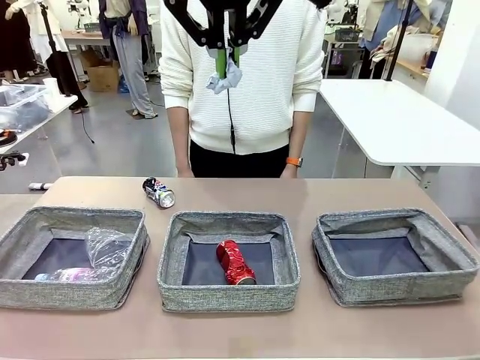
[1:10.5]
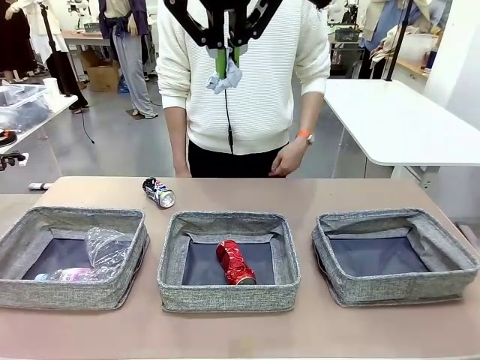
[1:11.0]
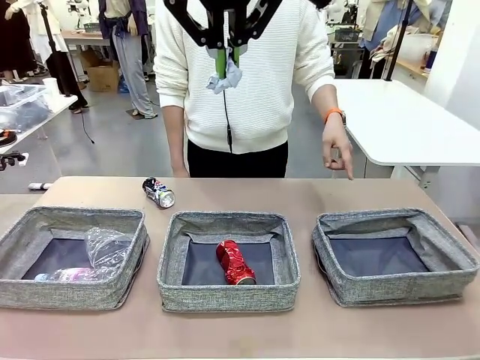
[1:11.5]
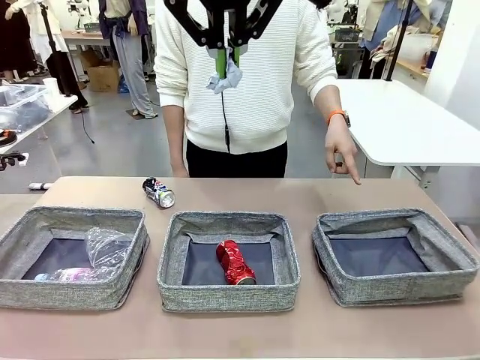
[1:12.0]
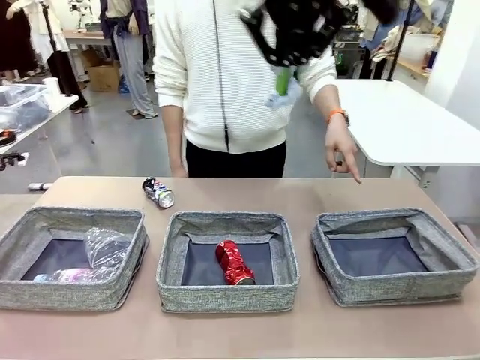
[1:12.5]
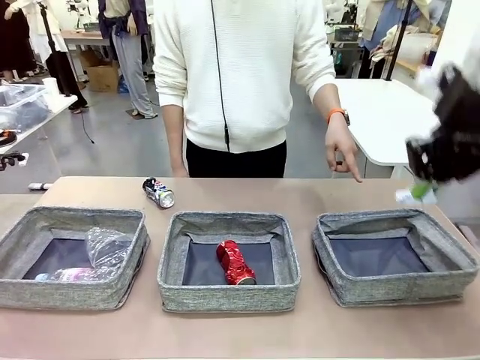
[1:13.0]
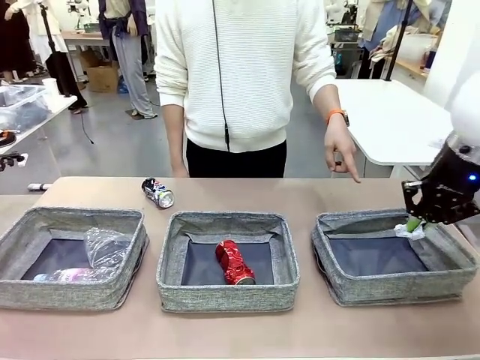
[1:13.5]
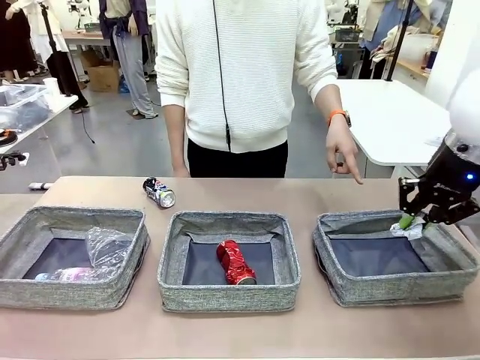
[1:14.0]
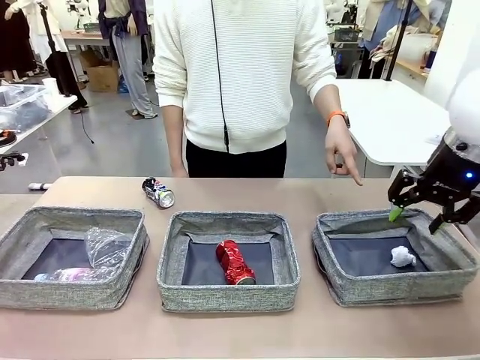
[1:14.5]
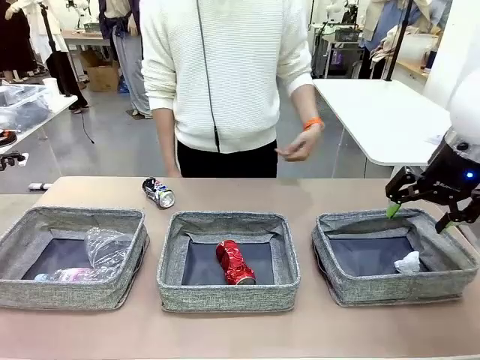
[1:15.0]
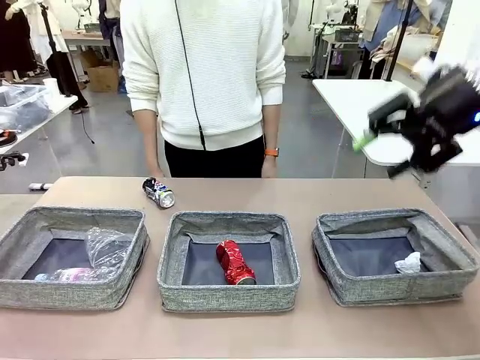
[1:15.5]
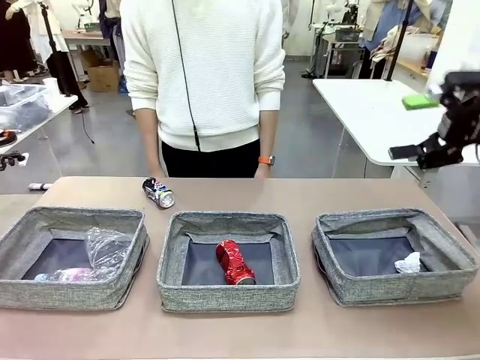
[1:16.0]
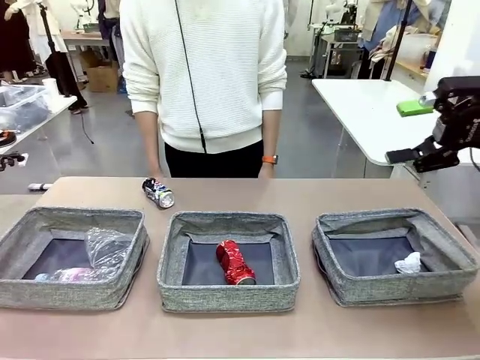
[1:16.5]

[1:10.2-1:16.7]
Task: Sort the waste into the appropriate baskets.
Robot: Place the picked waste into the Fabric basket indicated by the person.
Person: Instructs the robot to place the picked-up trash into the appropriate organizing basket.

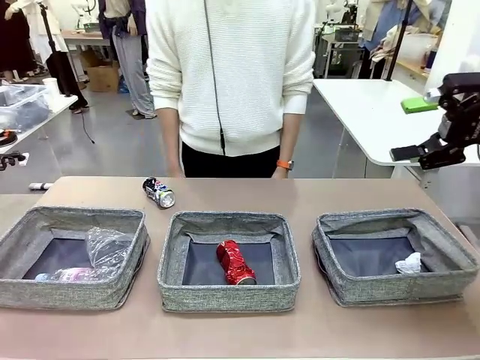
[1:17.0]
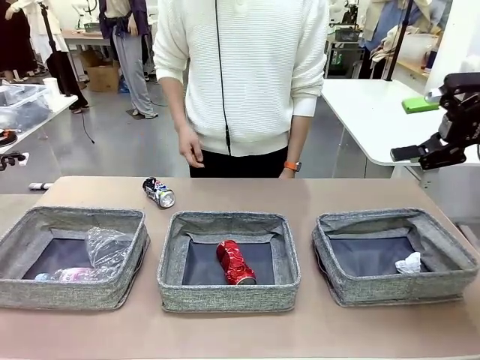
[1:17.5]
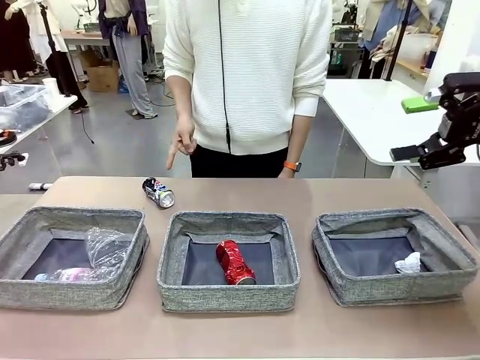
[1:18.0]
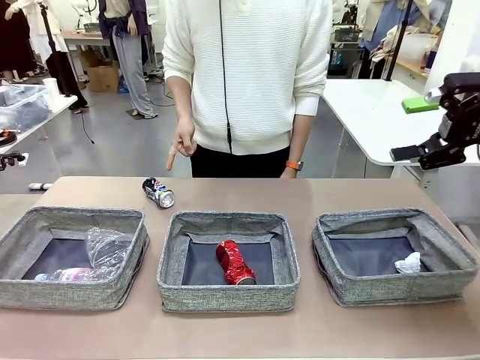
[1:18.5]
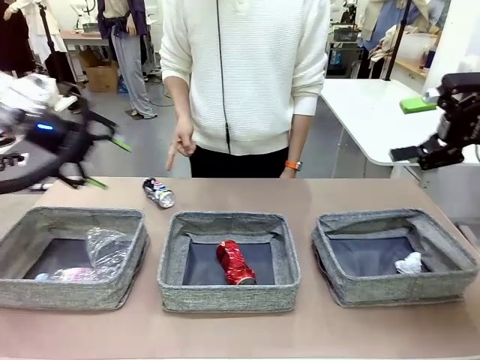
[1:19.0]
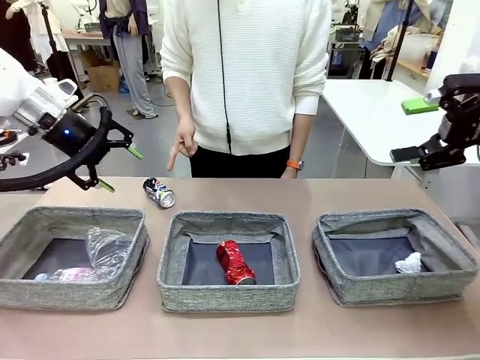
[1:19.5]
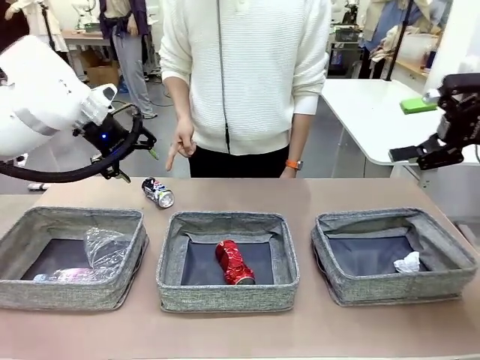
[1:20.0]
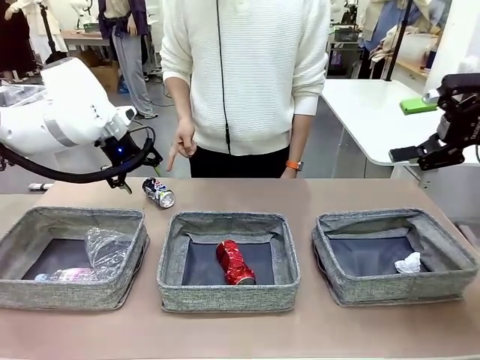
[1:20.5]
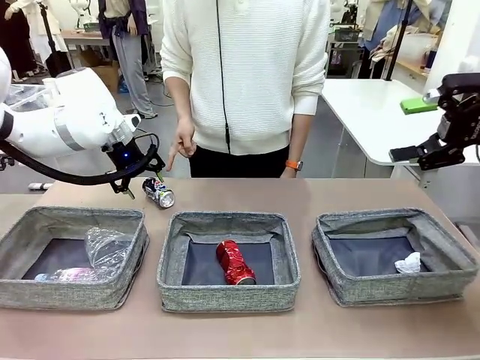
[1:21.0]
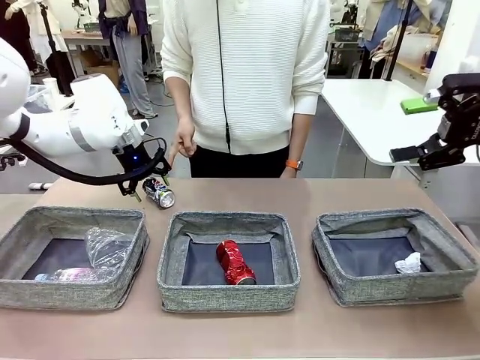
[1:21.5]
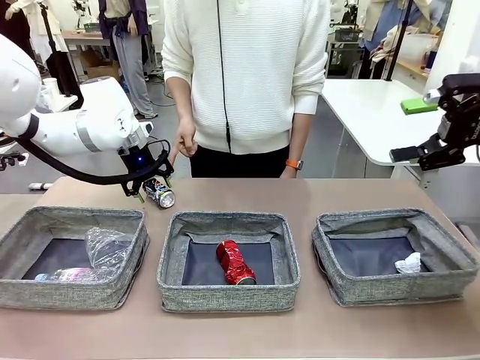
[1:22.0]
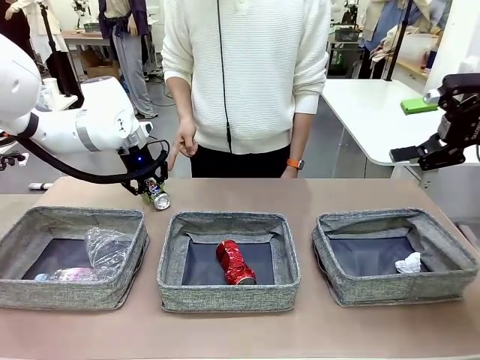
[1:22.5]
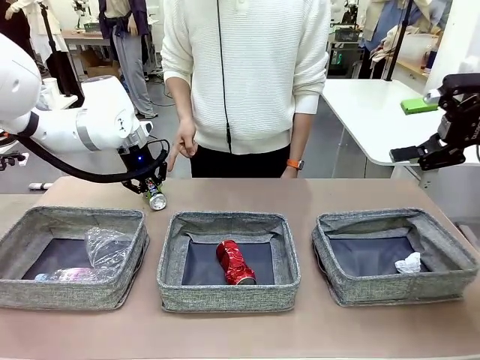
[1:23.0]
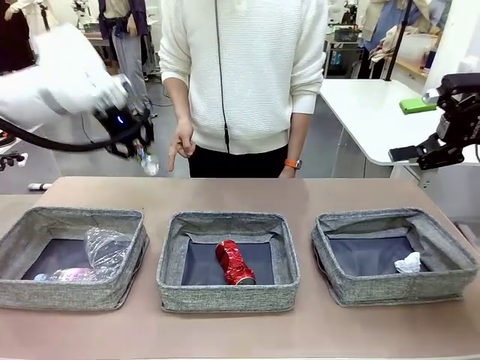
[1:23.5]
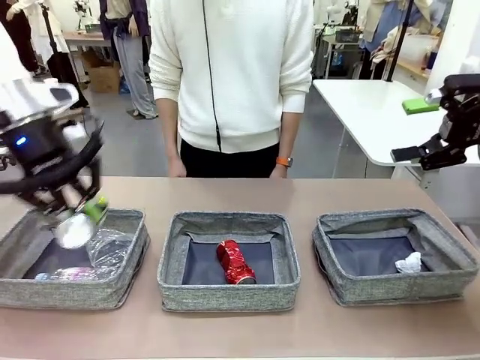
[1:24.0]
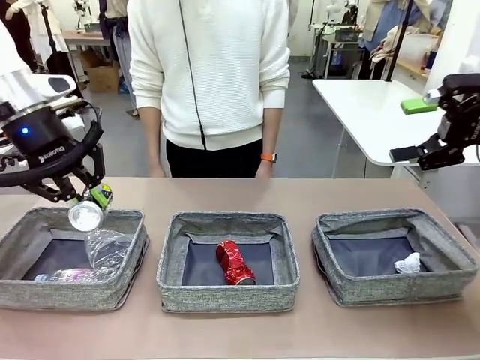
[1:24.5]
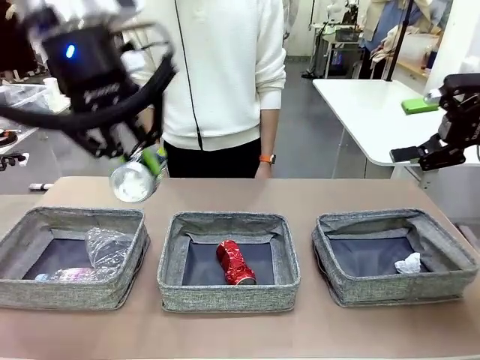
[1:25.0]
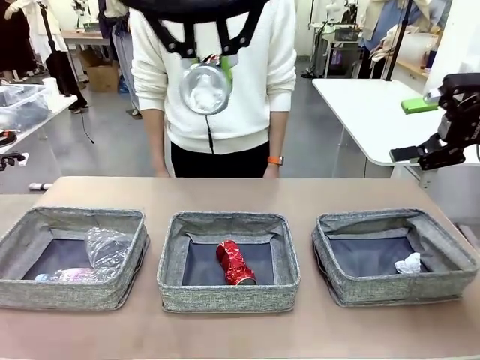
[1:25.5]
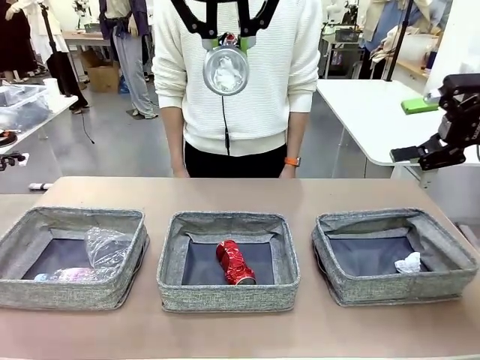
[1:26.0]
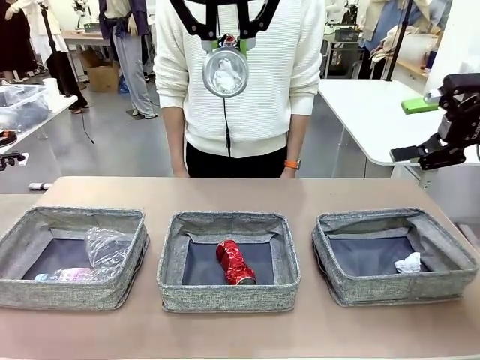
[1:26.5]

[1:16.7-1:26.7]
Robot: Pick up the waste item pointed out by the person.
Person: Points to one piece of trash on the table.

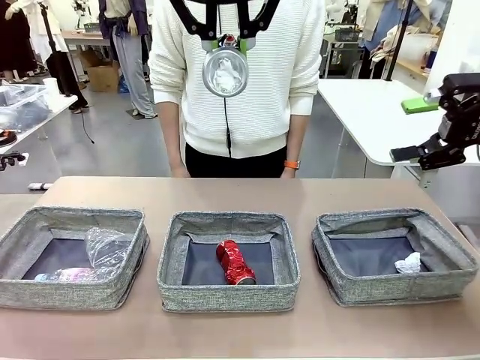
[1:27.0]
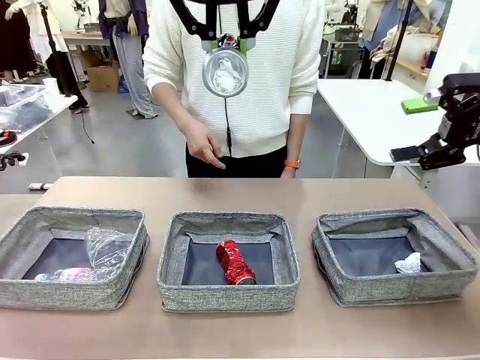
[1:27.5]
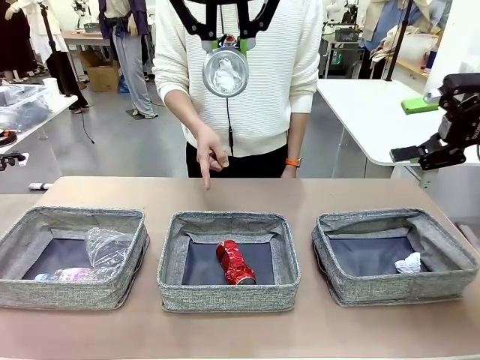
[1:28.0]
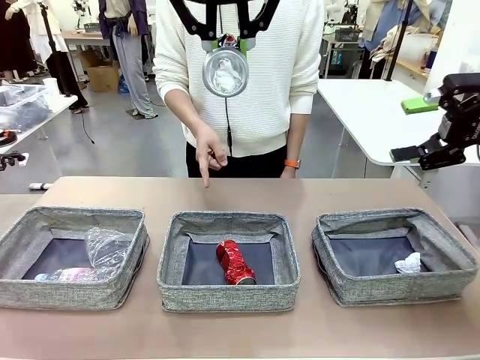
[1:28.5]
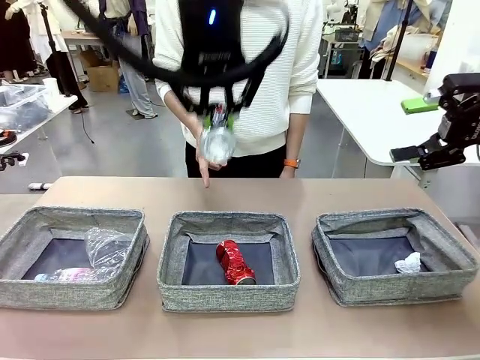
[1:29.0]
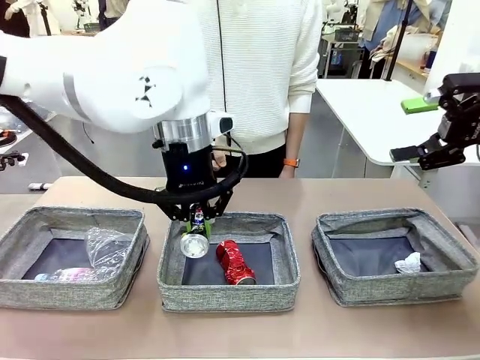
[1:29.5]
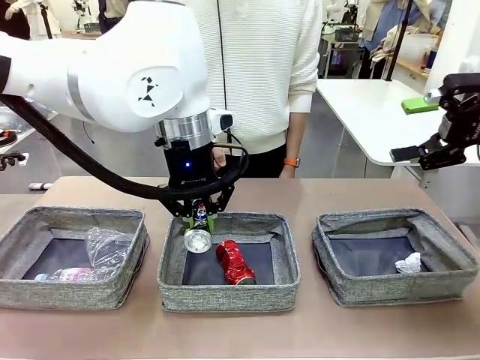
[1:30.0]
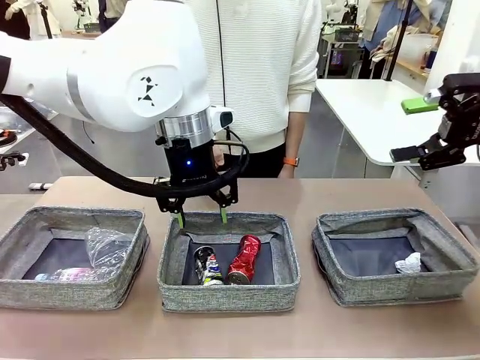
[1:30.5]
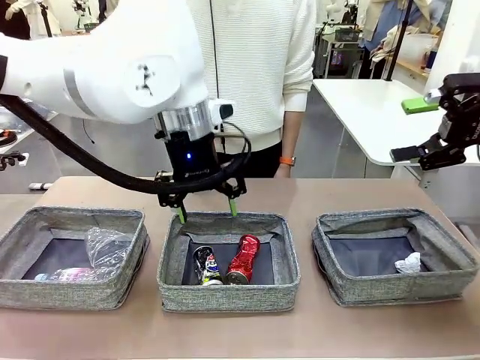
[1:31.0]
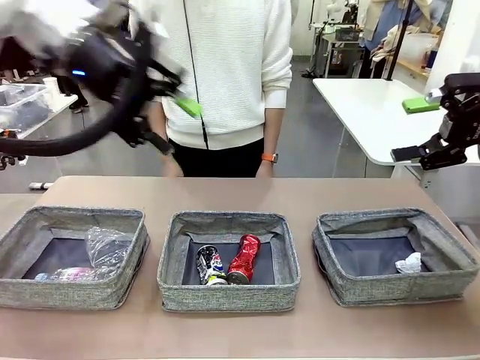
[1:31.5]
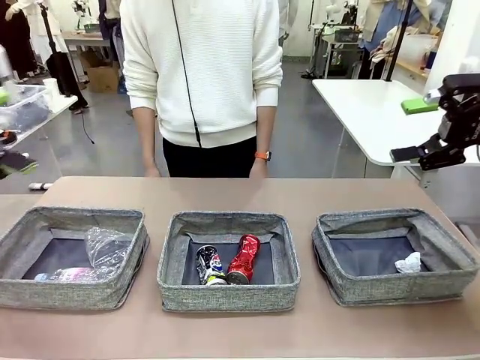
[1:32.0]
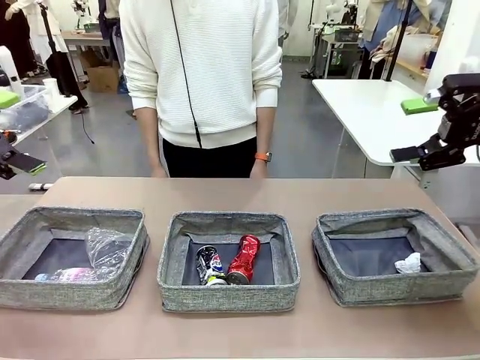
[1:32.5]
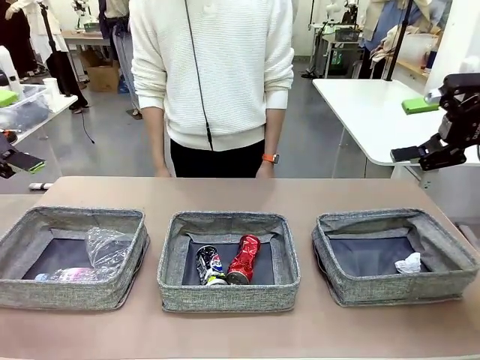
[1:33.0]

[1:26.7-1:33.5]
Robot: Place the picked waste into the Fabric basket indicated by the person.
Person: Instructs the robot to place the picked-up trash into the appropriate organizing basket.
